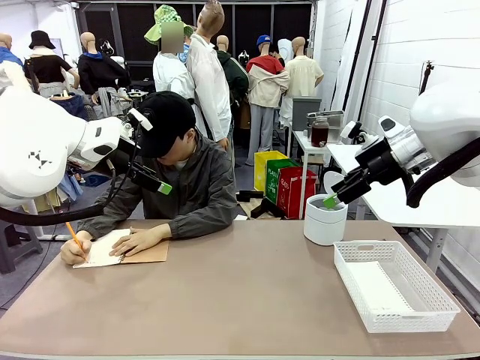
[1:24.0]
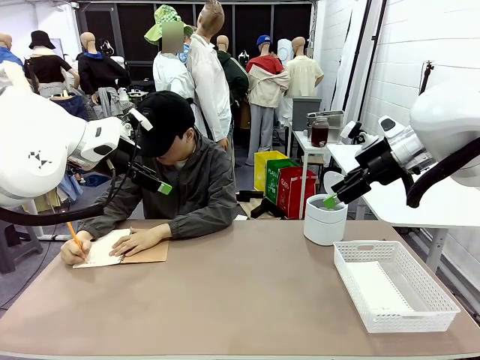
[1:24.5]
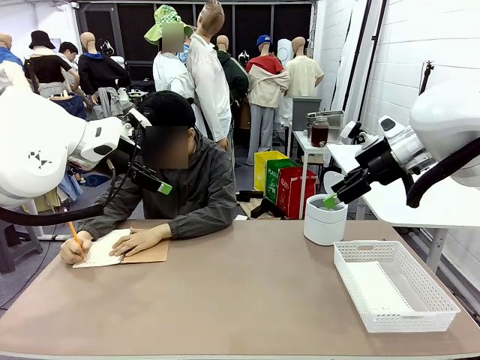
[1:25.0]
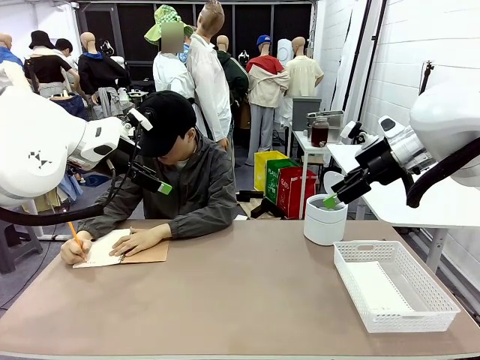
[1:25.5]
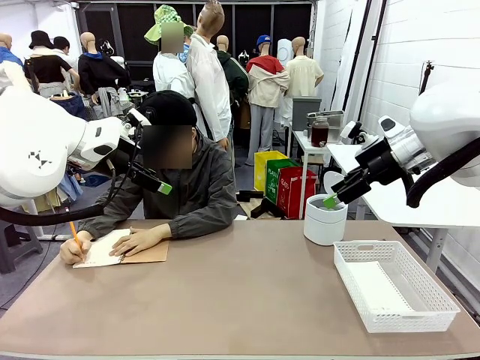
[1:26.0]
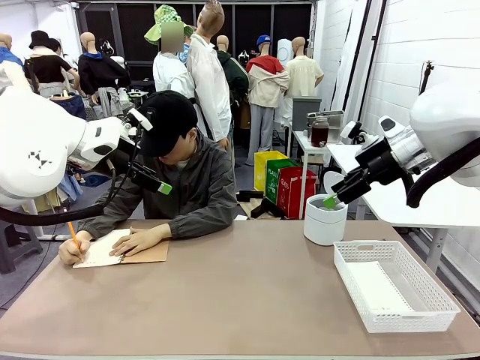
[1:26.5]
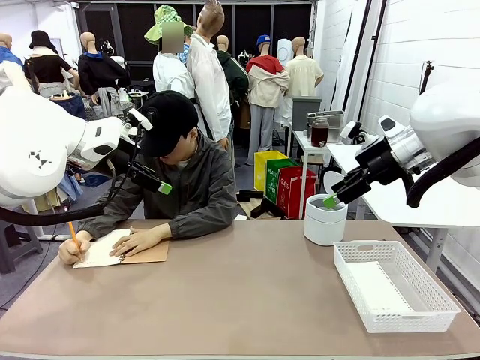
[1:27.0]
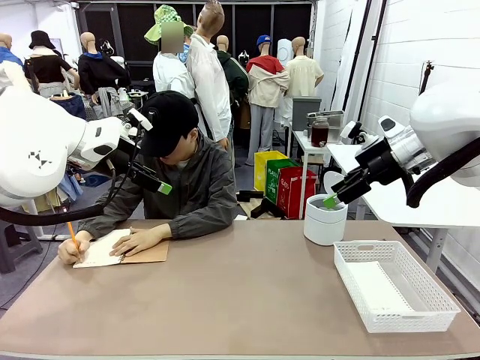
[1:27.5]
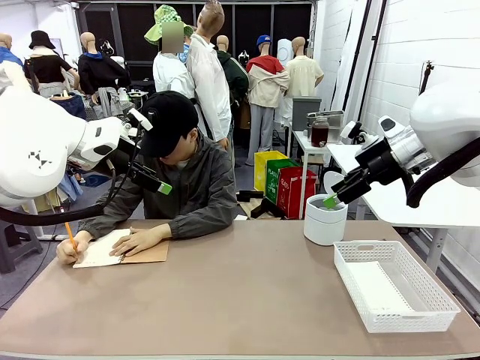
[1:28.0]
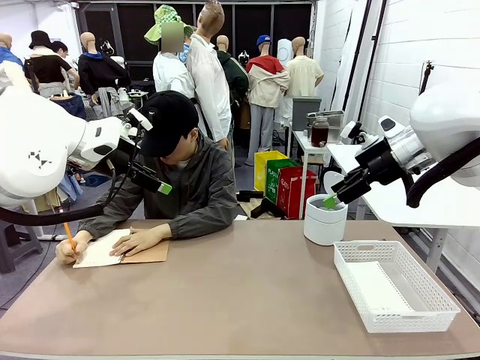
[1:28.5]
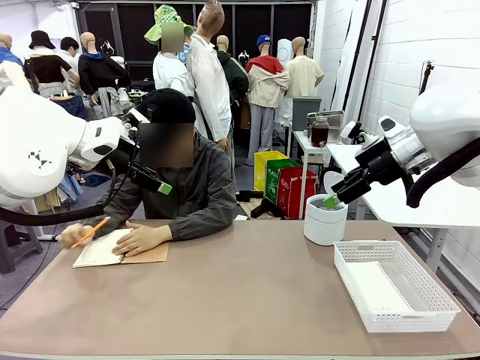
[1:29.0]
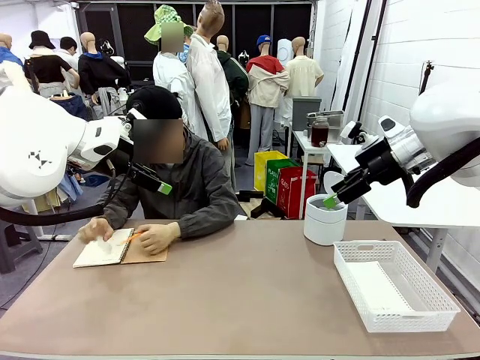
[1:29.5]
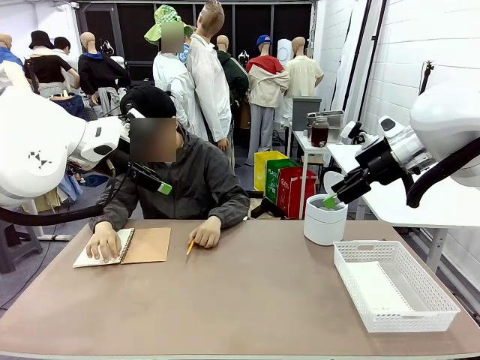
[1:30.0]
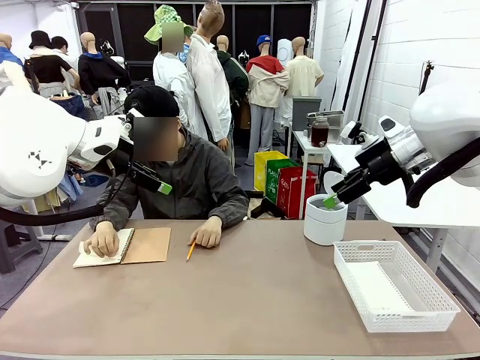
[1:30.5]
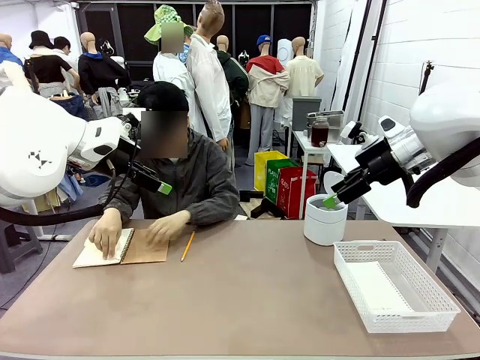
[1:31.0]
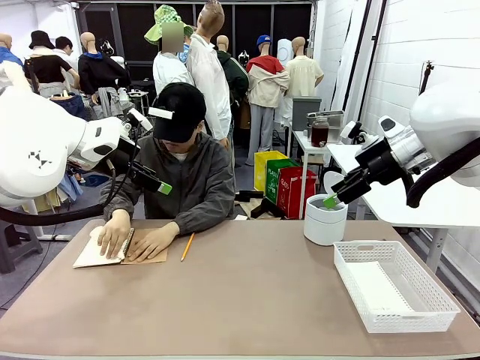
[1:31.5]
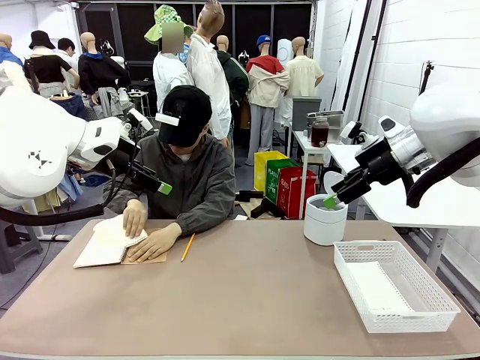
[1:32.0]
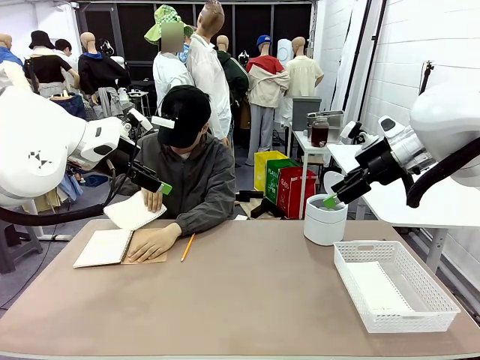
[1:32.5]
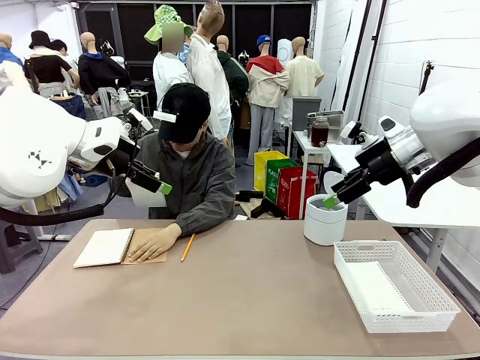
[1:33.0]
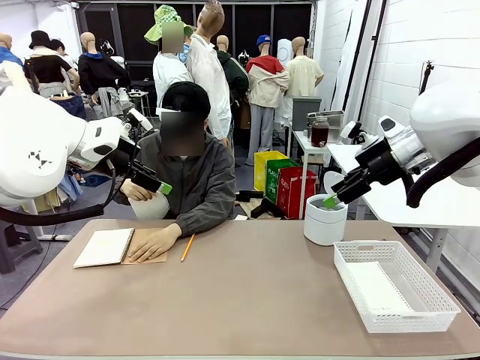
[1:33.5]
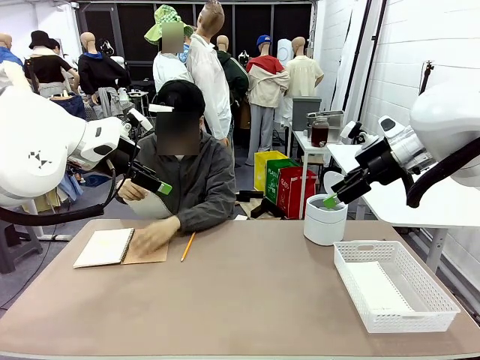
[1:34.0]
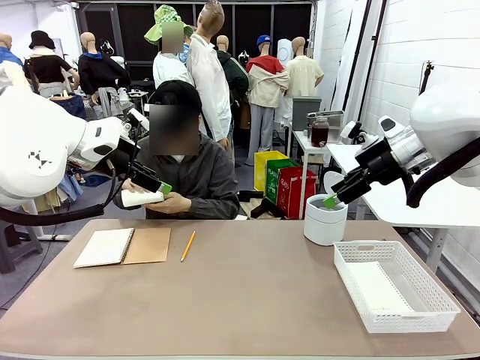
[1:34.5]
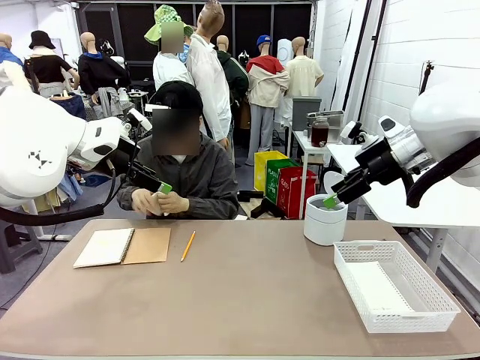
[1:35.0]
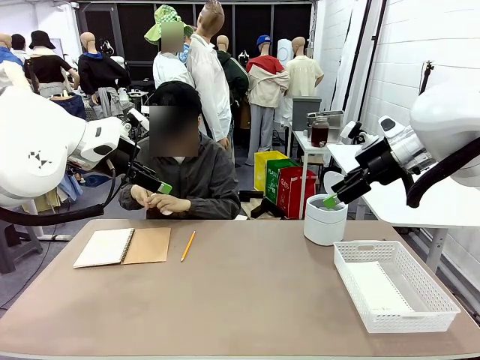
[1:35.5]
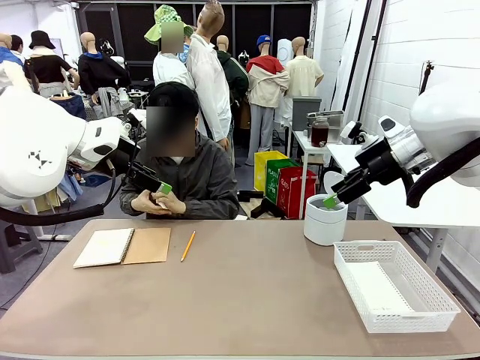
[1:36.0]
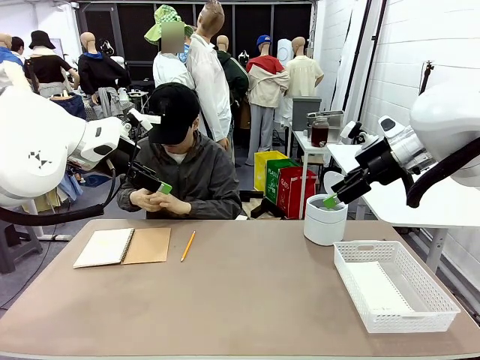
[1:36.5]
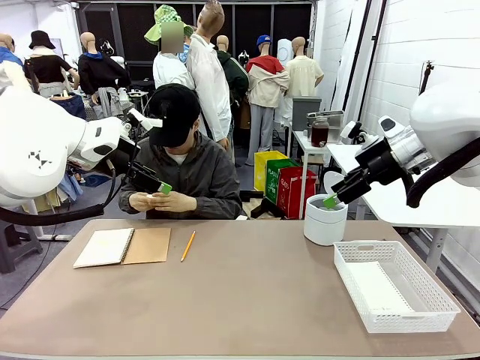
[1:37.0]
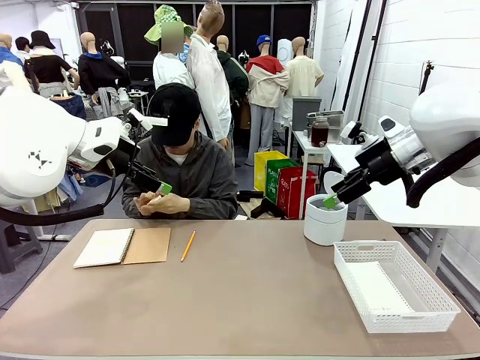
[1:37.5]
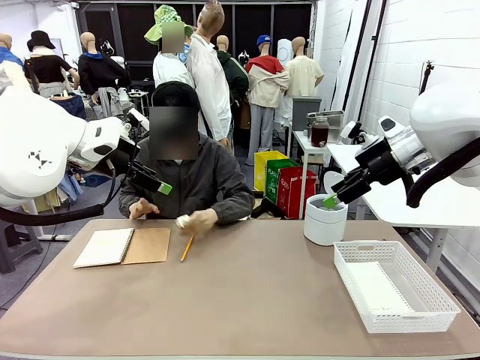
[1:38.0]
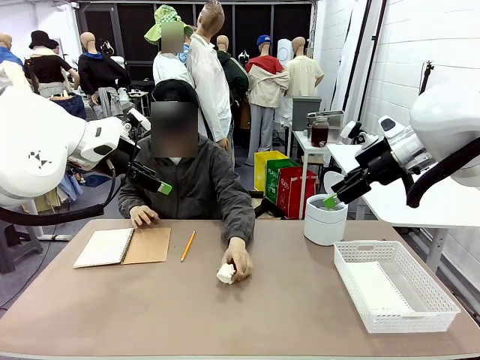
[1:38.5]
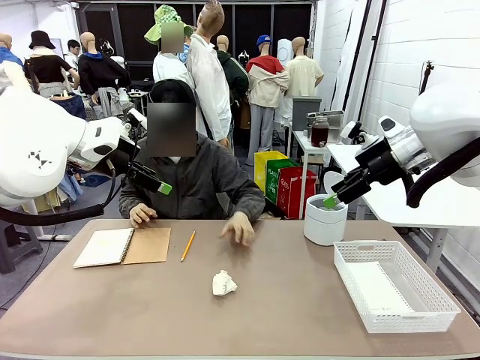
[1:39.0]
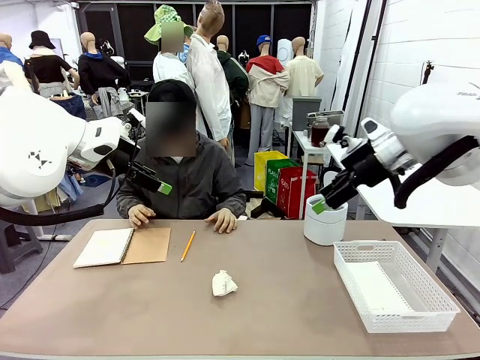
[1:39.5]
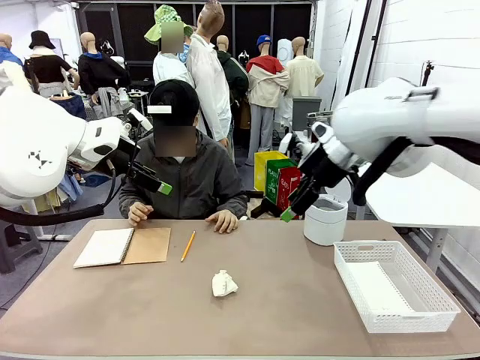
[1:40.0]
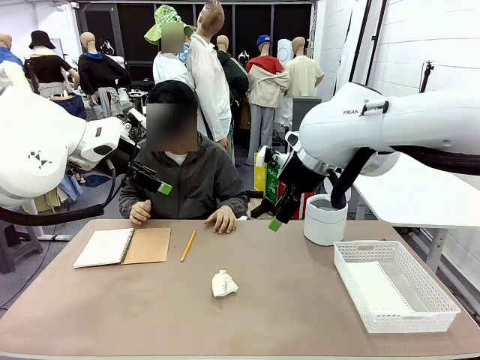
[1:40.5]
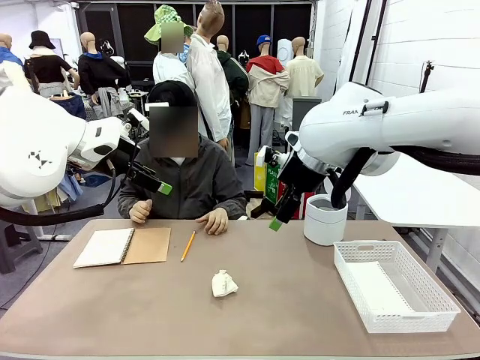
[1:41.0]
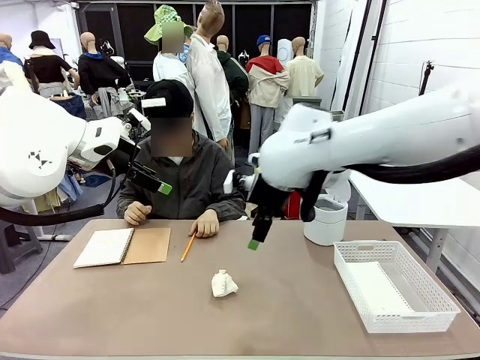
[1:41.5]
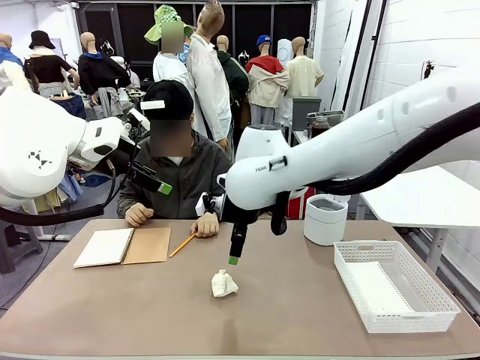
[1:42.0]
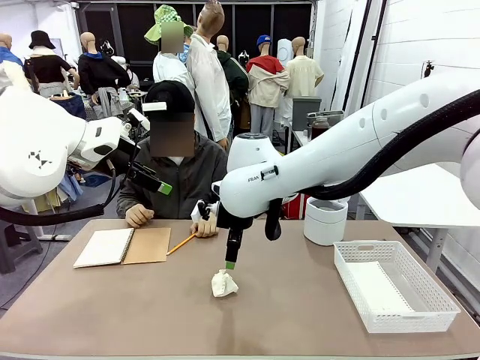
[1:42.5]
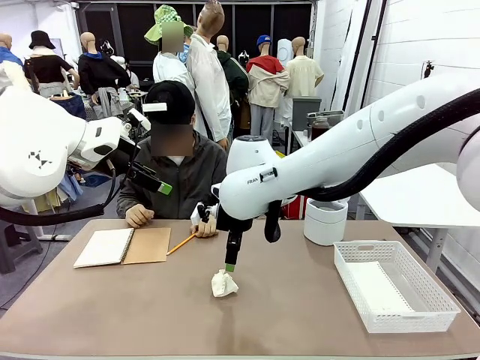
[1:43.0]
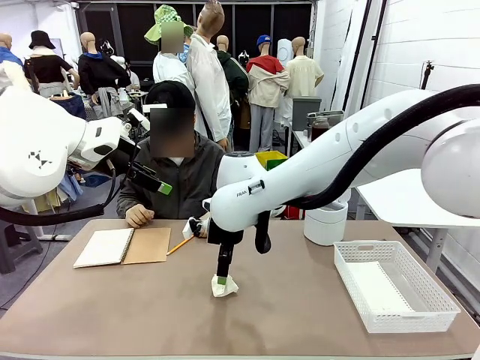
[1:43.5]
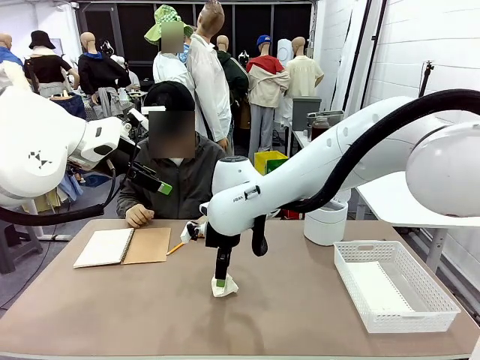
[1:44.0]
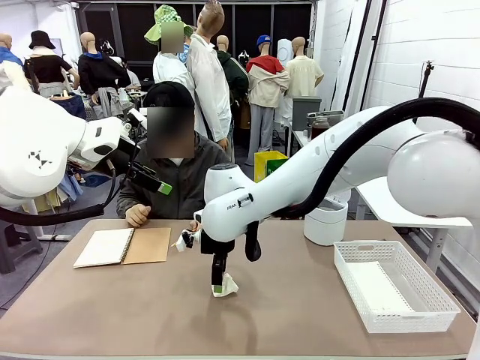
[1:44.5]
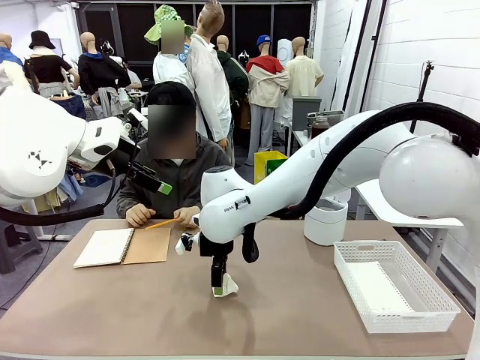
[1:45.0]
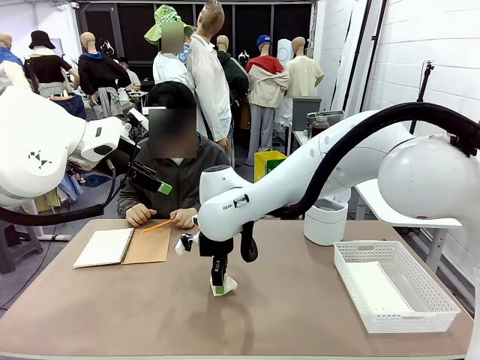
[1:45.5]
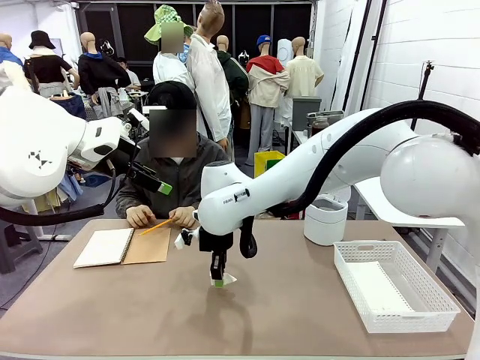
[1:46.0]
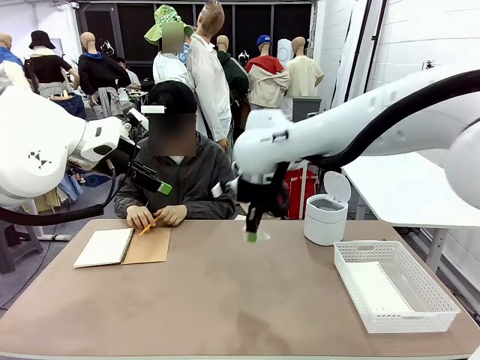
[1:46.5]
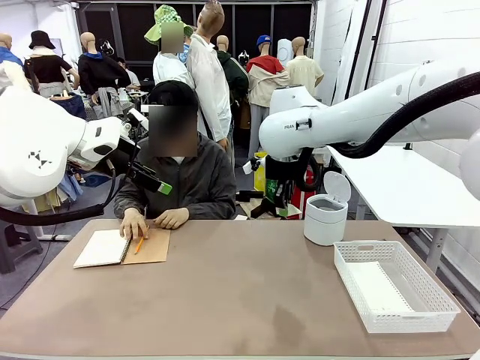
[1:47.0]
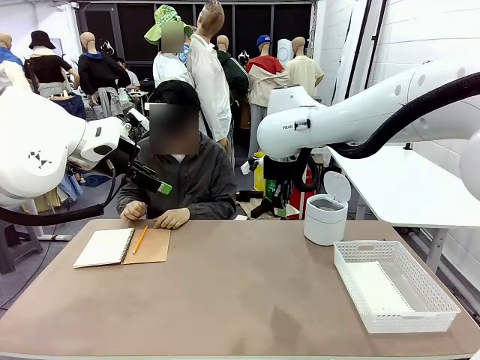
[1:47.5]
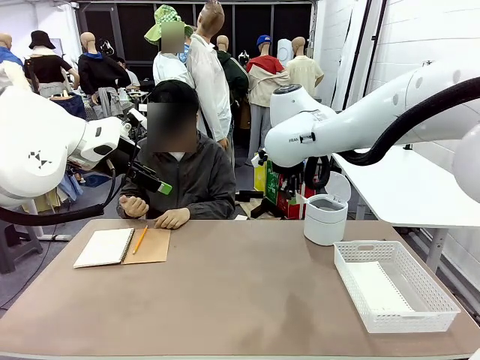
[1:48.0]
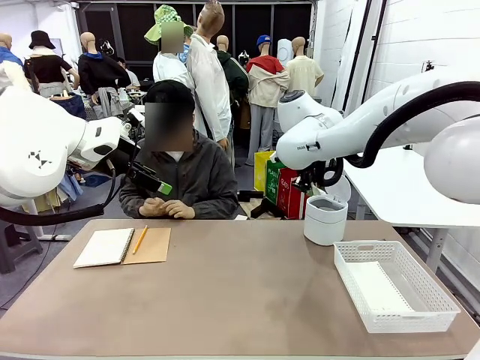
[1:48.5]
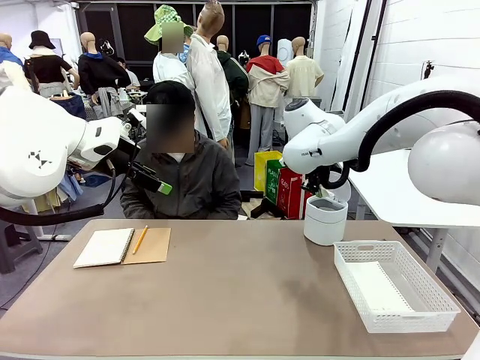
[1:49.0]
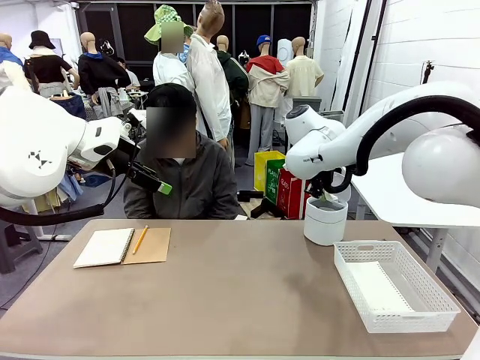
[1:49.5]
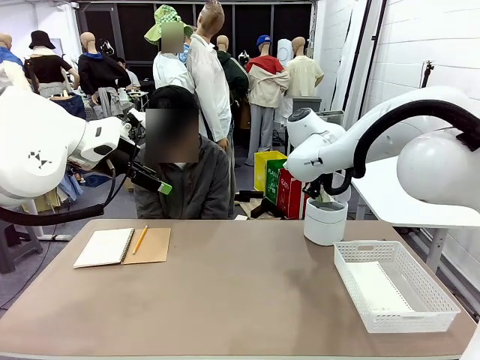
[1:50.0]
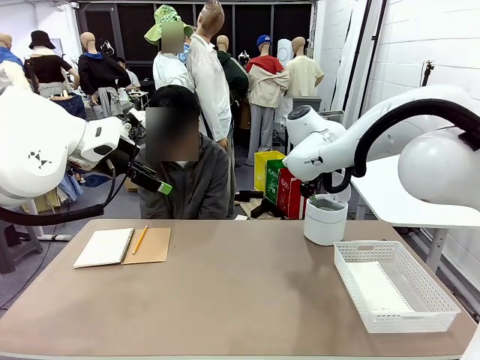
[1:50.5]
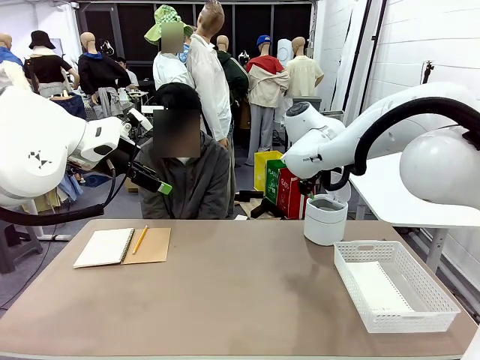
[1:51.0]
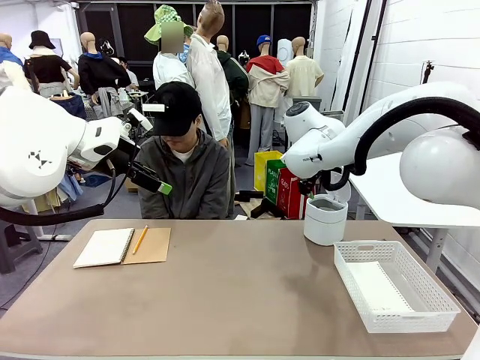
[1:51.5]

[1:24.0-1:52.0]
Task: Sort the paper based on its condition.
Robot: If a person hands you a paper, place it in the Organizing basket , and if it's crumpled, put it in the Trash can.
Person: Hand the torn page to the robot or crumple it and throw it to the center of the table.
